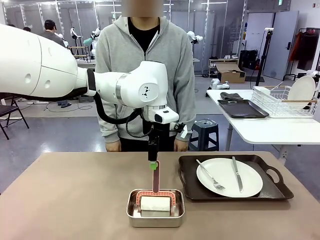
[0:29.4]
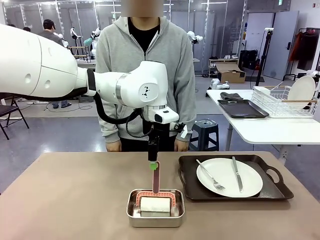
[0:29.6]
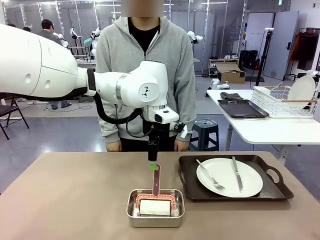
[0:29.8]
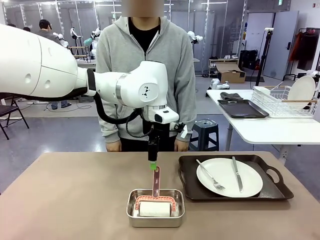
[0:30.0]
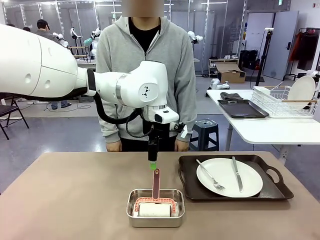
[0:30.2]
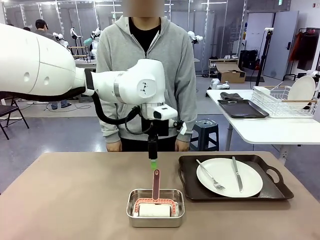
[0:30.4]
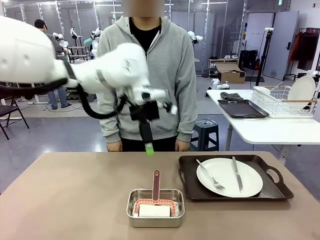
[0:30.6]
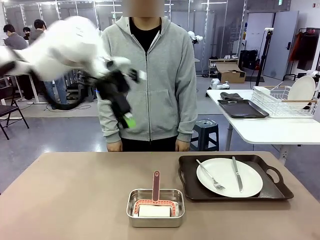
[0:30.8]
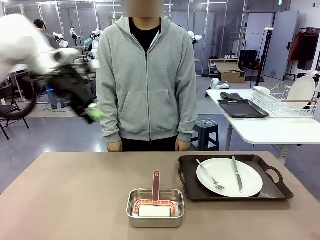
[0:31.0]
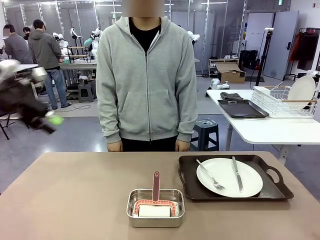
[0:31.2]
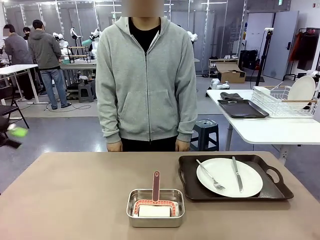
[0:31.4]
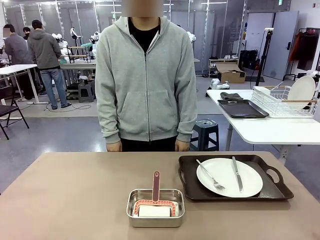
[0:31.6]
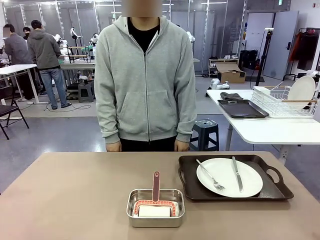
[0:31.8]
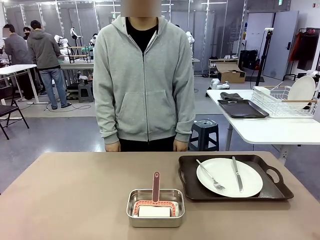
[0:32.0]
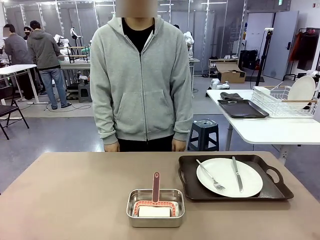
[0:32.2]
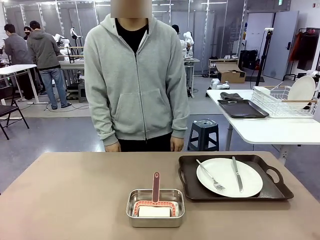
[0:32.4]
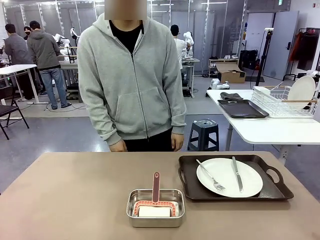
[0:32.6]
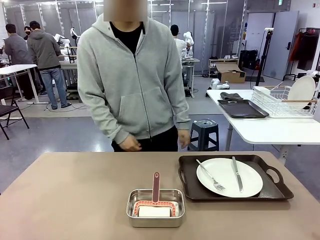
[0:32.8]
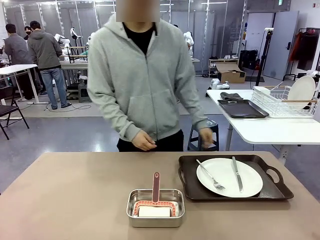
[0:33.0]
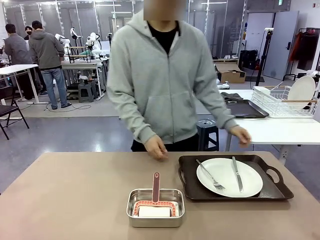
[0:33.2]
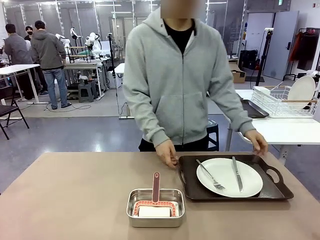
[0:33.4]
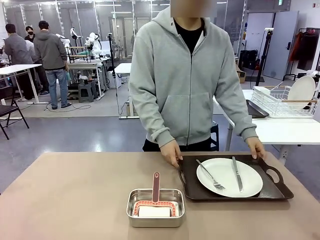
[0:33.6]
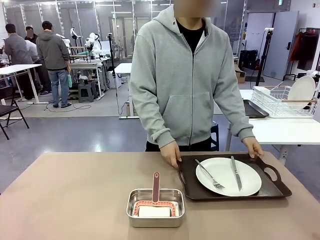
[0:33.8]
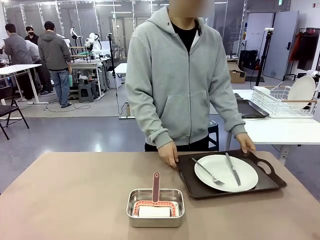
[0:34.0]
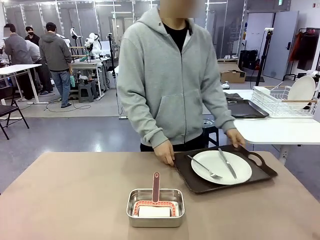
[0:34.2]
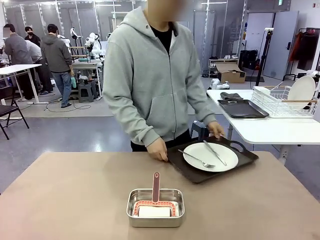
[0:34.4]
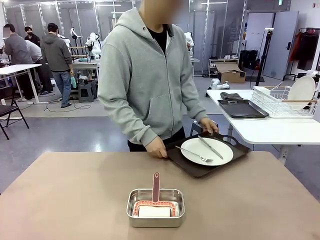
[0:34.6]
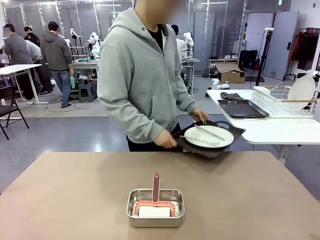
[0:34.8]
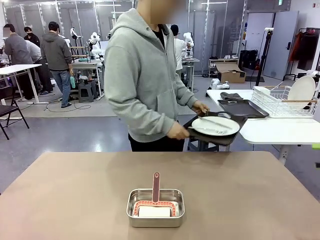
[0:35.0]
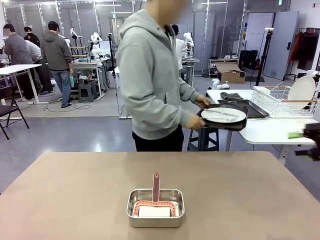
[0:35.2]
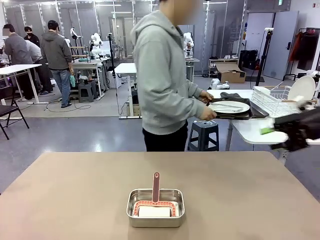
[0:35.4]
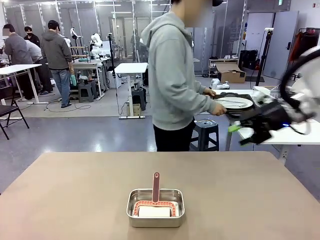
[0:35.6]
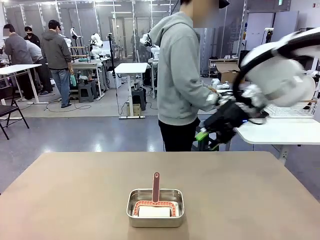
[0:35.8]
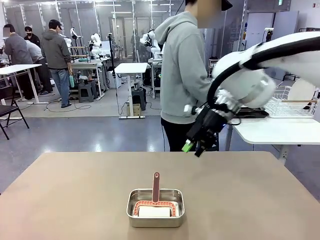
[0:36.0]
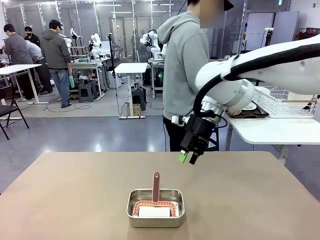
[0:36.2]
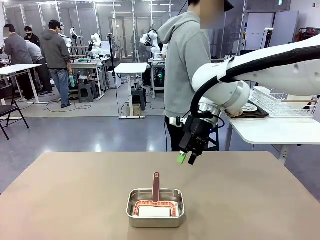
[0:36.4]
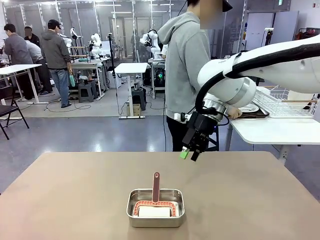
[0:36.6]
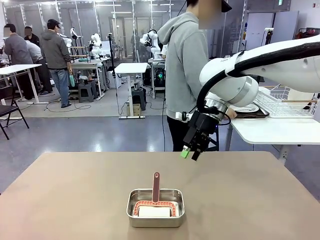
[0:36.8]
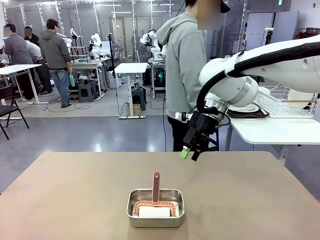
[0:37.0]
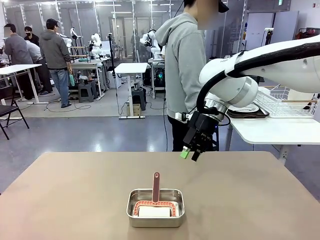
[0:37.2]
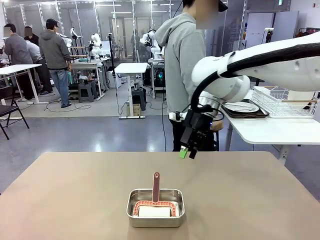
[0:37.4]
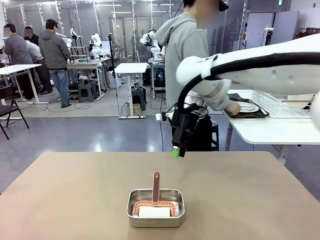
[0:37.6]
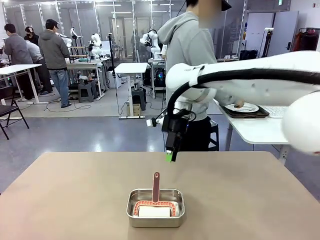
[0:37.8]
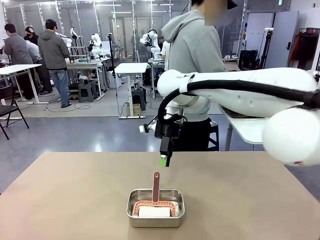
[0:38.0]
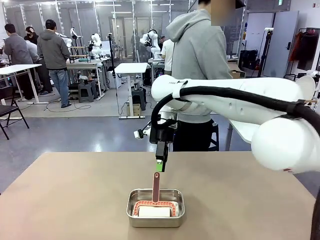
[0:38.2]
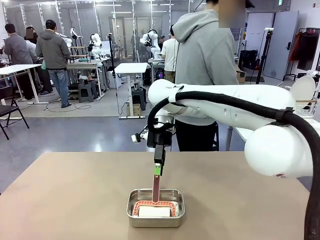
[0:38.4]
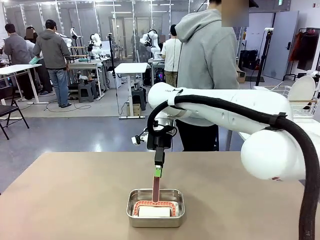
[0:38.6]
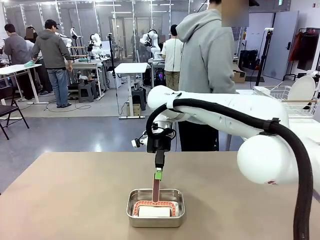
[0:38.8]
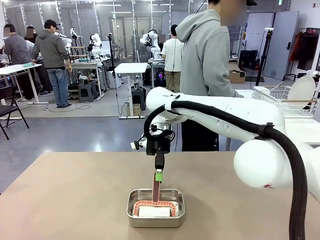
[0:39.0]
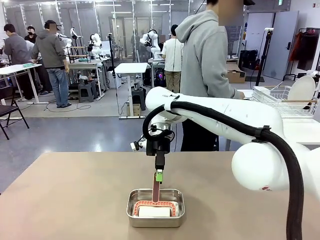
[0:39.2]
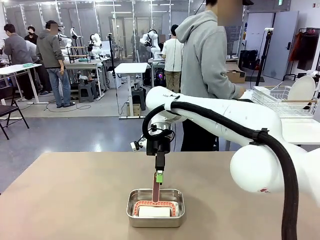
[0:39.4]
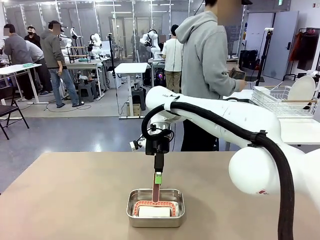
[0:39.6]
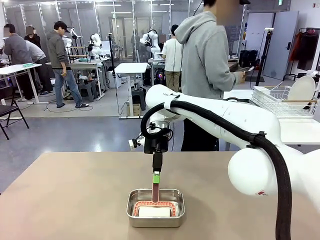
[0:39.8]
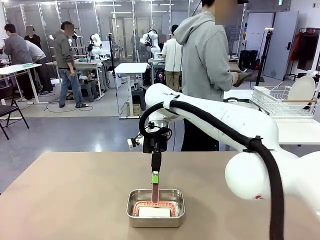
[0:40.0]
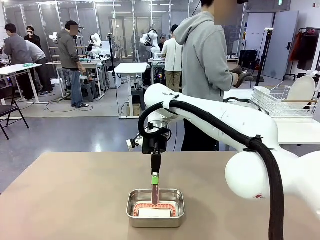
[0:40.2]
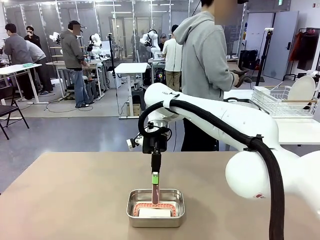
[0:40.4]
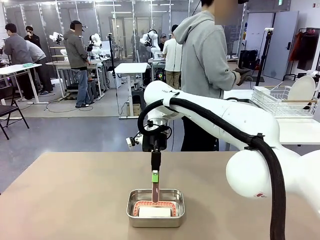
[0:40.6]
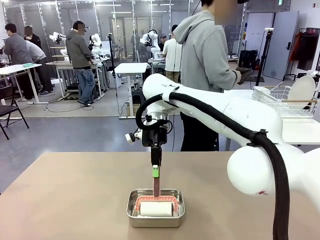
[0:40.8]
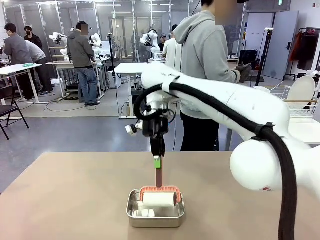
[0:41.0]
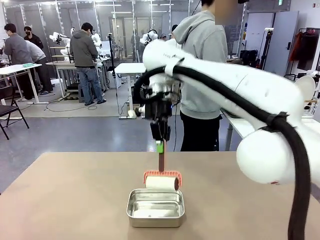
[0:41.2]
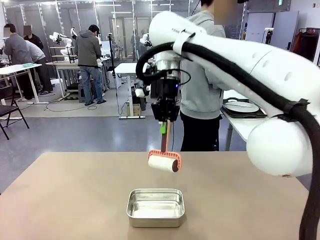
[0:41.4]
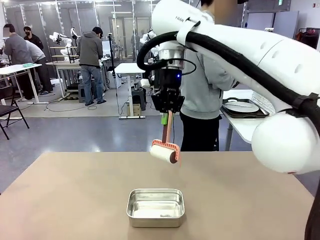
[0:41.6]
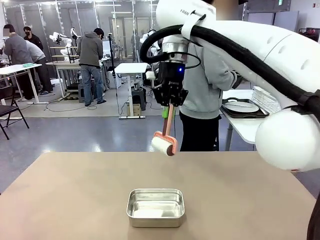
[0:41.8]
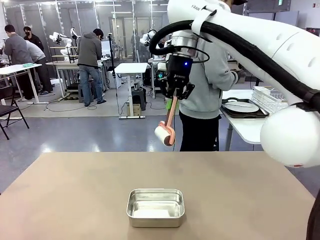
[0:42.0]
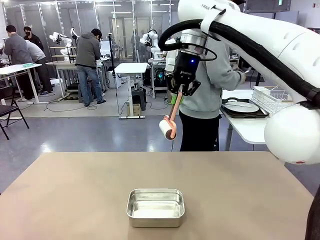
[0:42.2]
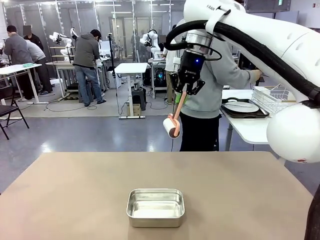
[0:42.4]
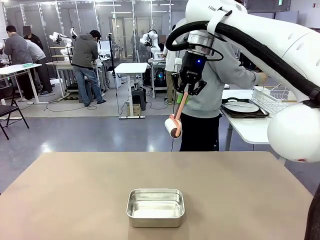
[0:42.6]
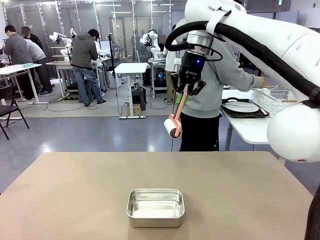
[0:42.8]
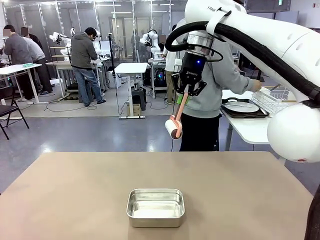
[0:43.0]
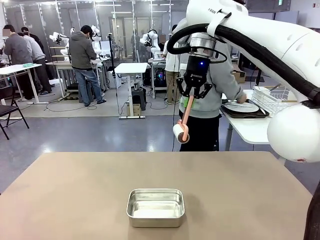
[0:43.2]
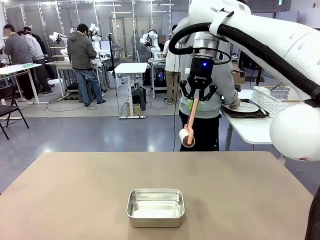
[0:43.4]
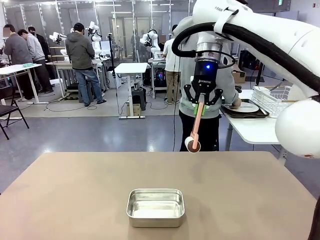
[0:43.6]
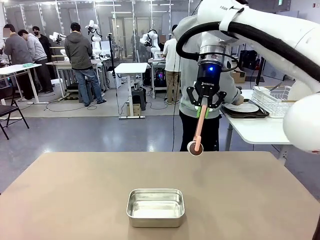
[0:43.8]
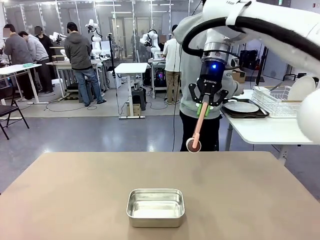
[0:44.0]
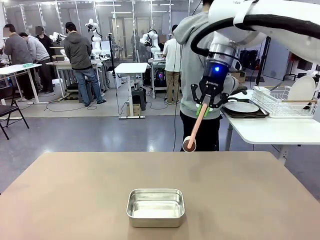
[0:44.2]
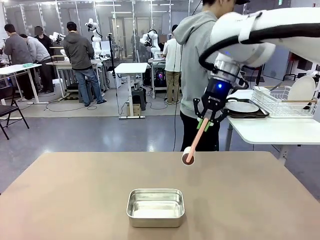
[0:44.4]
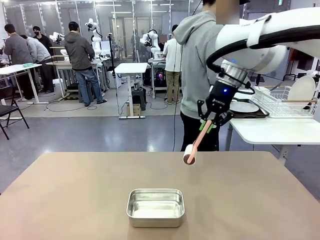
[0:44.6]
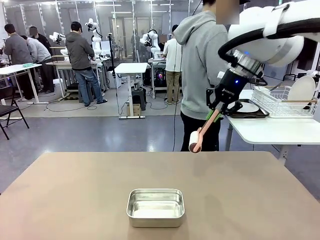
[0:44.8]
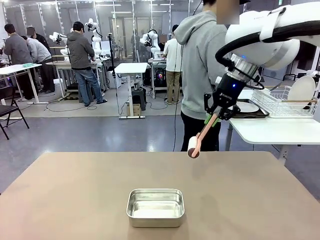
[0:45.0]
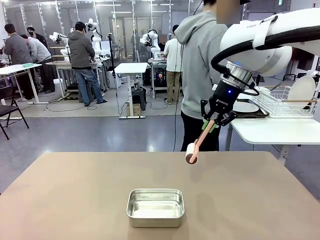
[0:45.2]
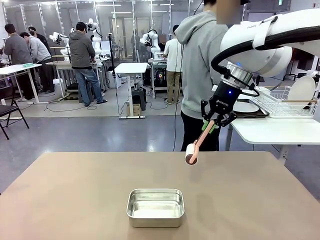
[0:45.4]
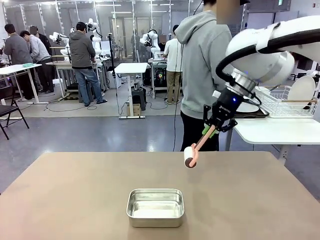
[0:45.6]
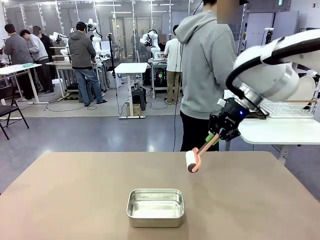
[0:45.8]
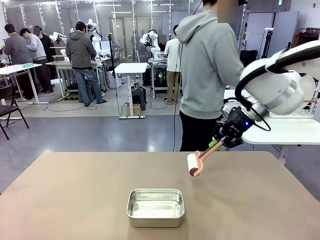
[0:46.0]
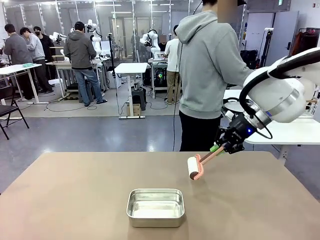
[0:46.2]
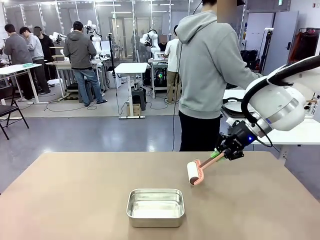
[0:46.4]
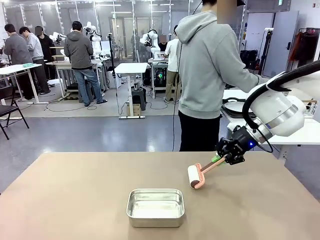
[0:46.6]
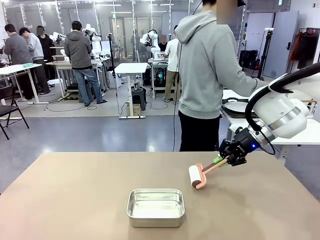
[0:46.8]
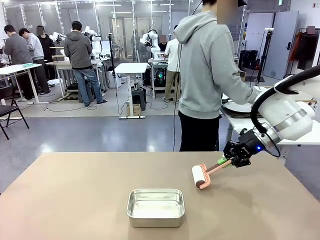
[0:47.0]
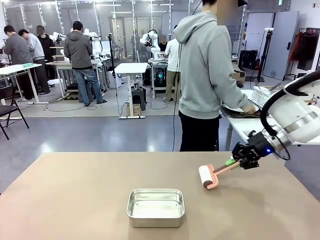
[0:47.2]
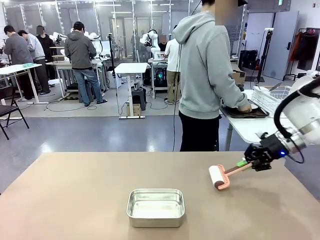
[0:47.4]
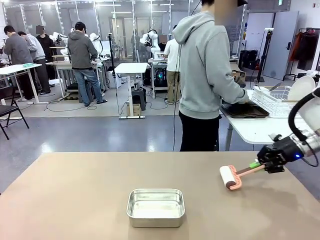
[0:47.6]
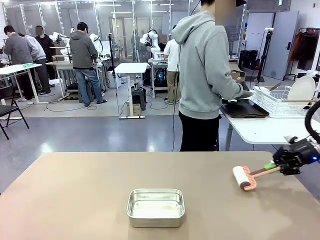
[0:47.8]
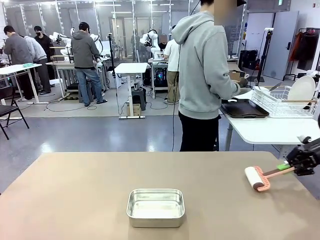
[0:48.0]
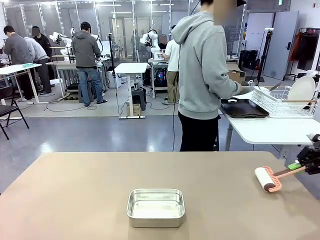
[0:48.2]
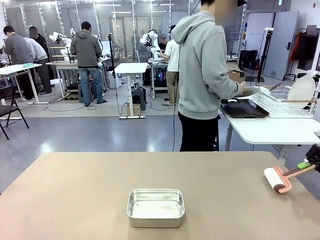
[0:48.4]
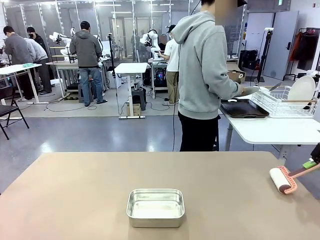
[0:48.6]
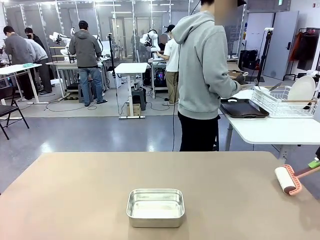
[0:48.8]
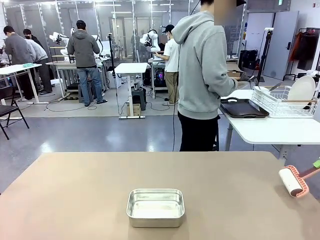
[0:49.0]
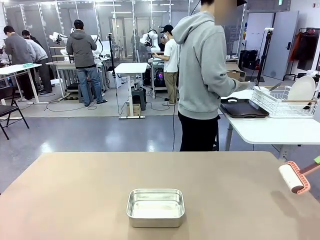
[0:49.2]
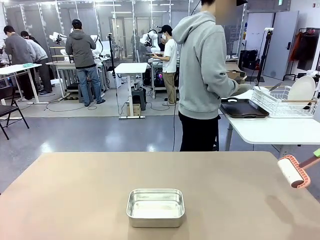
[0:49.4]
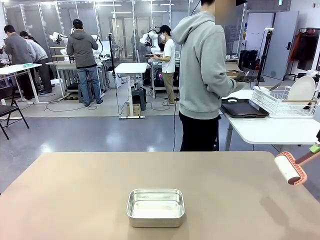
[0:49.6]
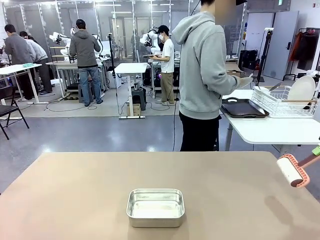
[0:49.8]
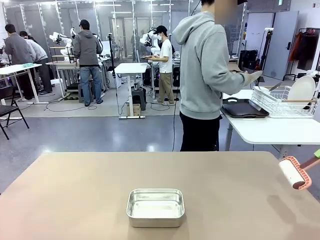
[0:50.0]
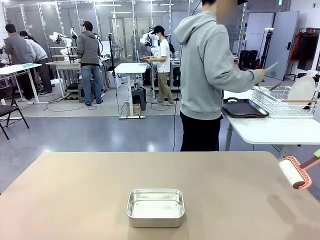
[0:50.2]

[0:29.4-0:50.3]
Robot: When the right (or left) Handle tray is removed, use the right hand (or left hand) to clean the right (or left) side of the table with the Lint Roller.
Person: Pick up the left (or right) Handle tray and place it on the Handle tray.
